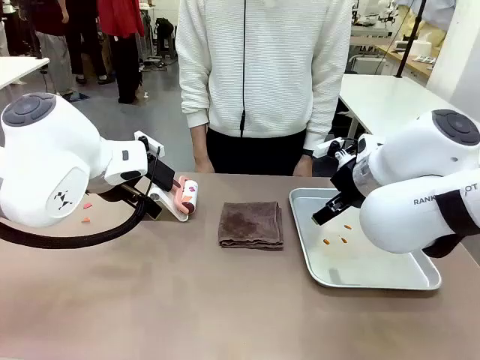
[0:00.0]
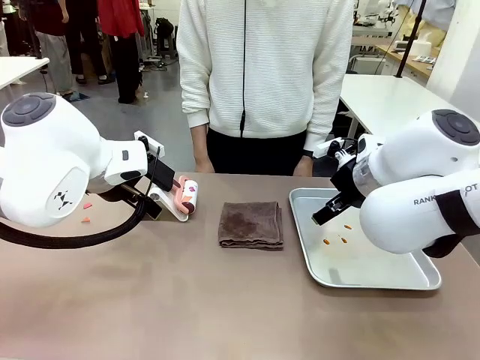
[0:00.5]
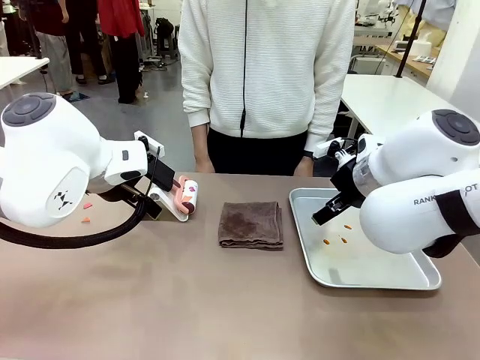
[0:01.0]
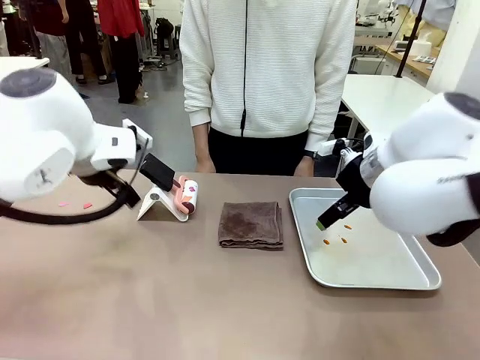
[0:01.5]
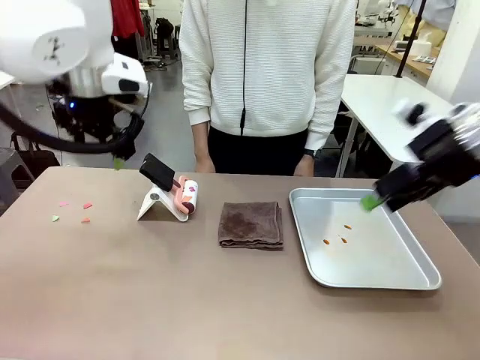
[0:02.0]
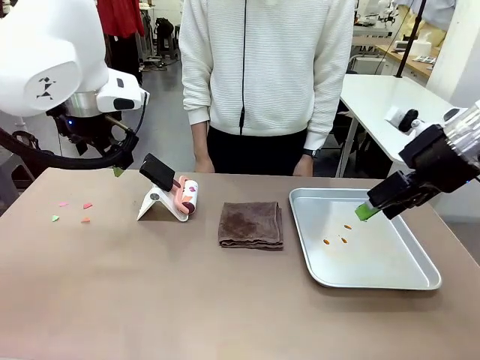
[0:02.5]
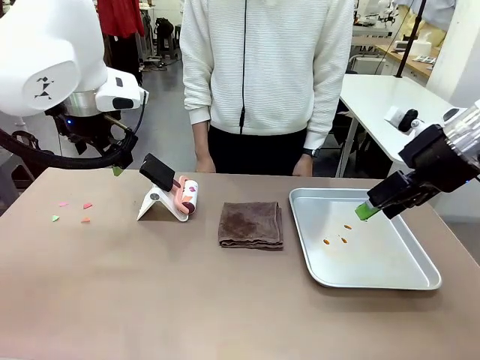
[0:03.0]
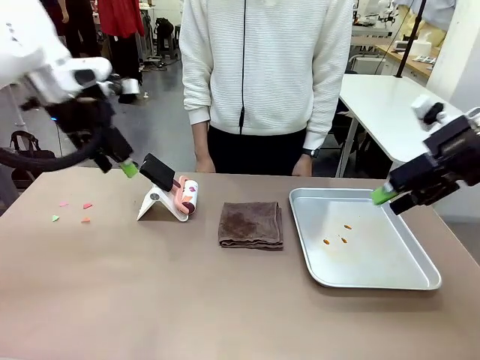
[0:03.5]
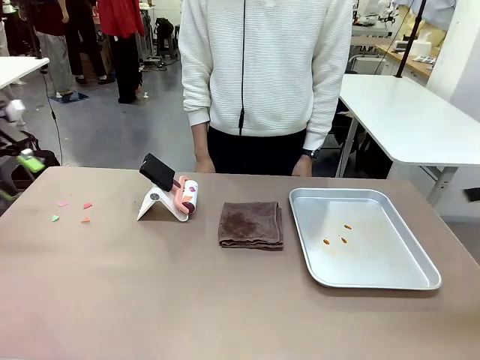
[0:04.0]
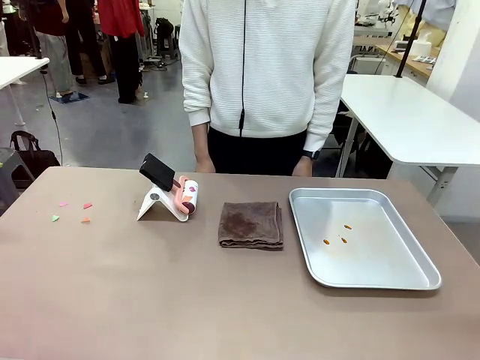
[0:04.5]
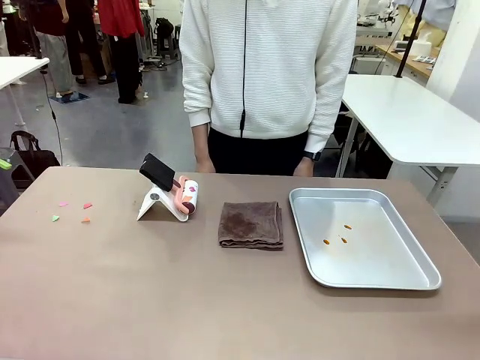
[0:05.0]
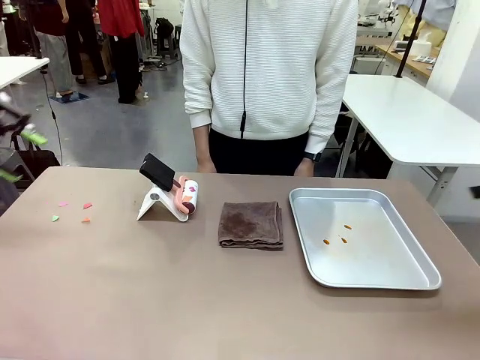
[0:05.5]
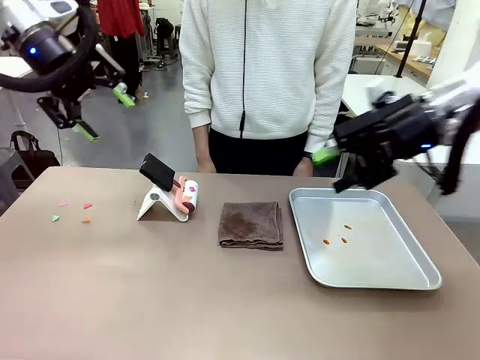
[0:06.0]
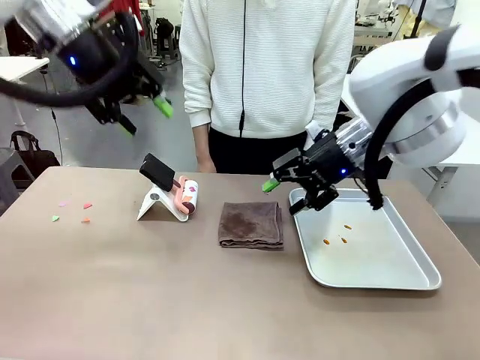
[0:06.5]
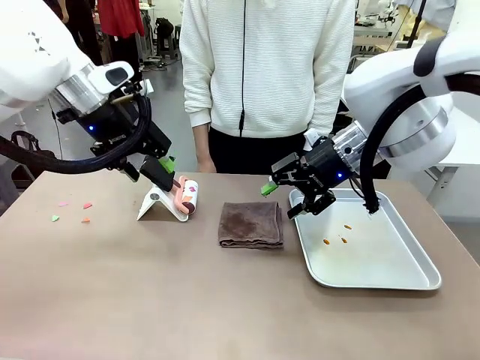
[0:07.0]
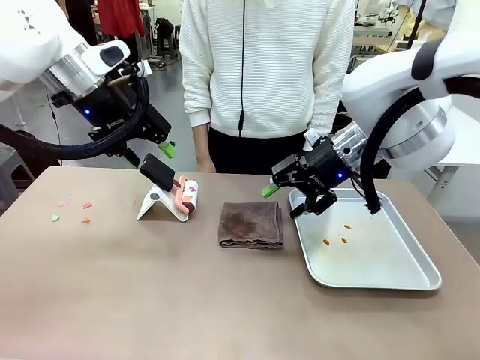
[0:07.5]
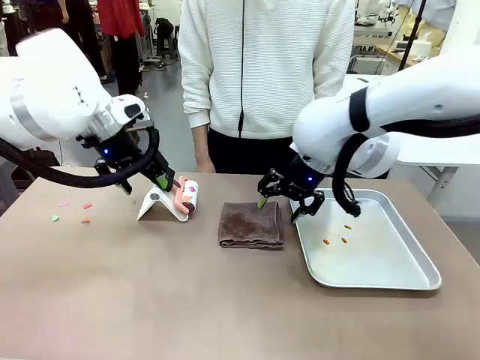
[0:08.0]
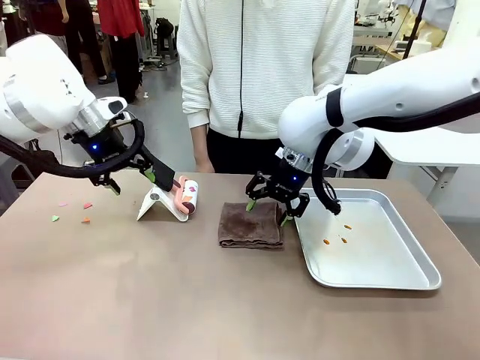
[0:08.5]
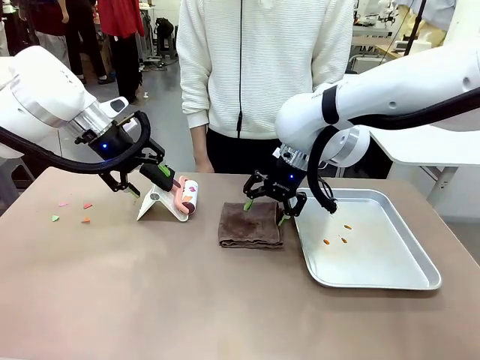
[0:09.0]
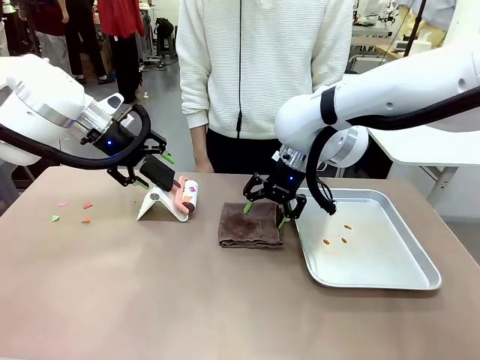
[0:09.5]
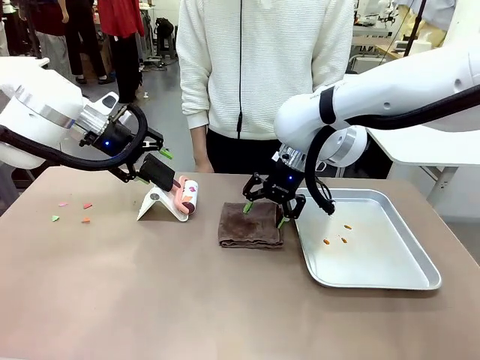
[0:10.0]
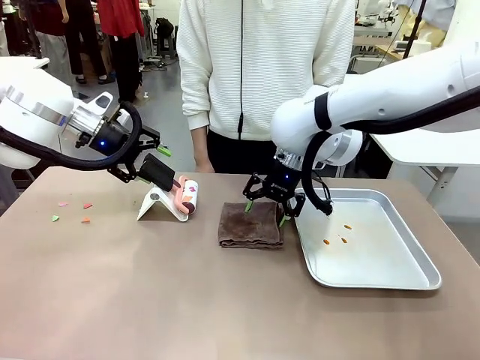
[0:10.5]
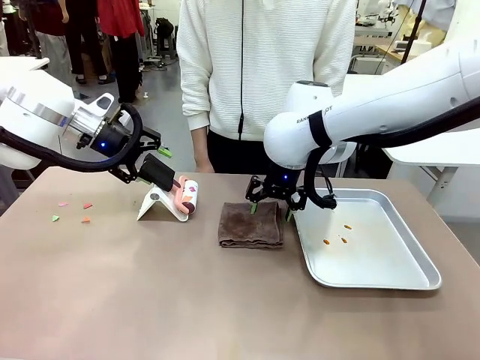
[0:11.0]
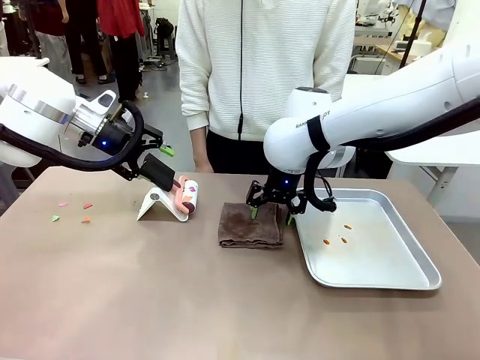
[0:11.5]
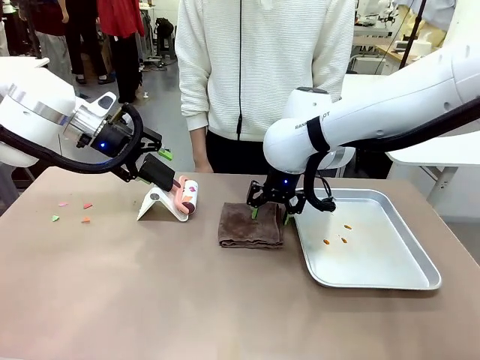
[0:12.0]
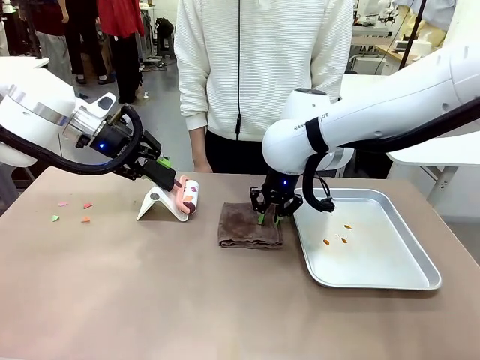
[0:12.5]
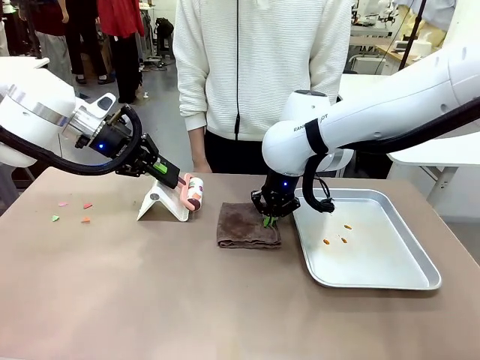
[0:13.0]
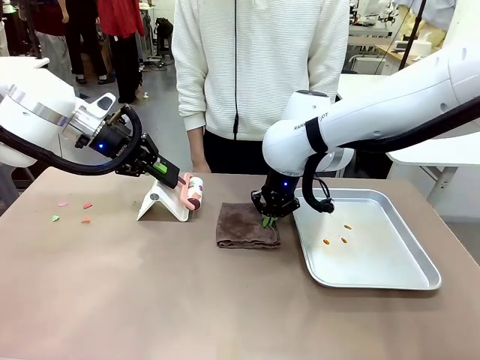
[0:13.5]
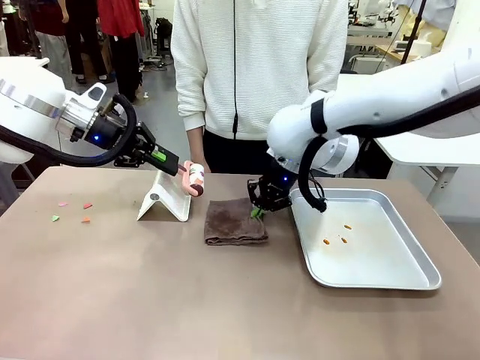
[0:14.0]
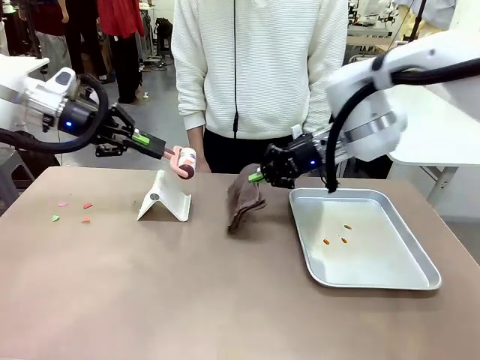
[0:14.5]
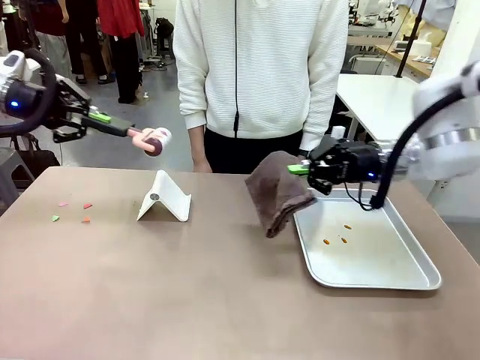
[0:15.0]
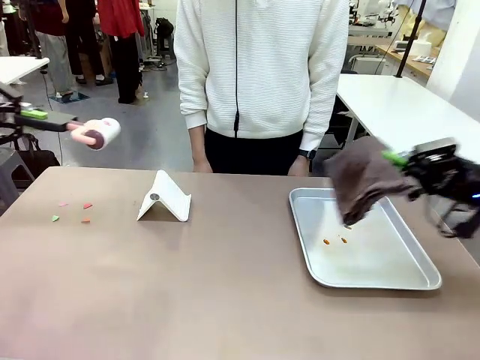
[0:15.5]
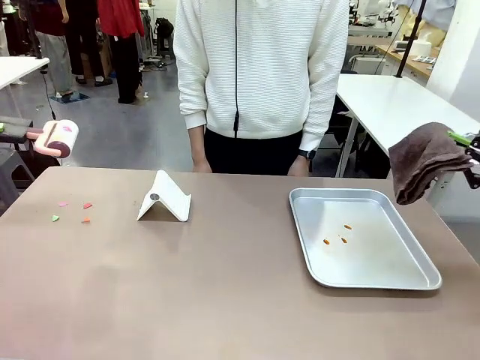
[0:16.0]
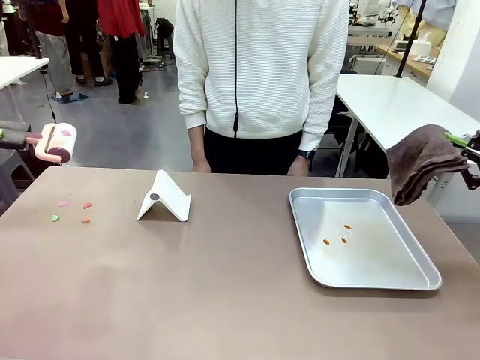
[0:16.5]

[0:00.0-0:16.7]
Task: Clean the surface of the table.
Robot: Hold the Lint Roller with your left hand and the towel with your right hand.
